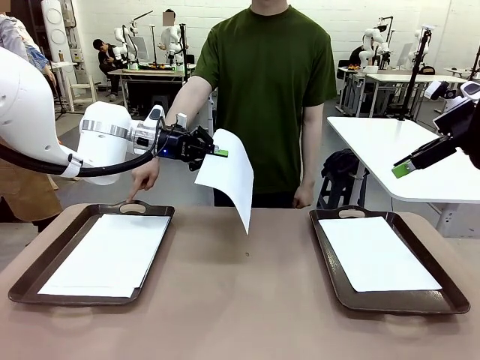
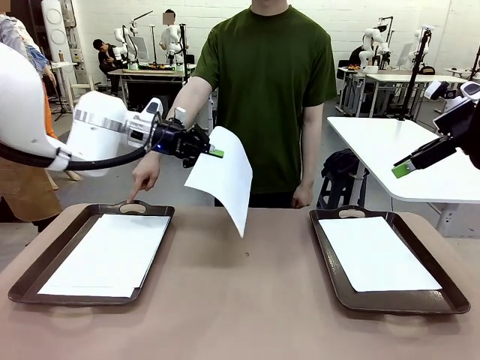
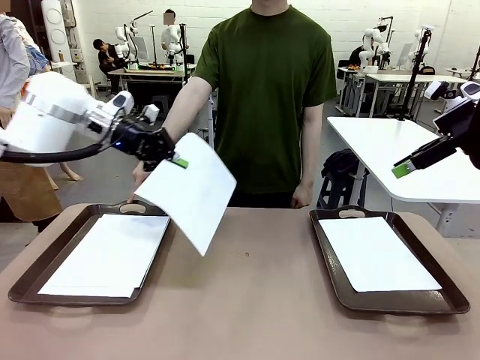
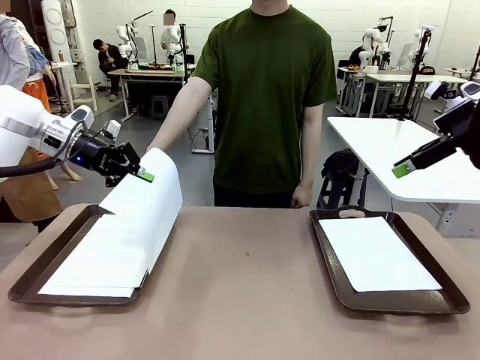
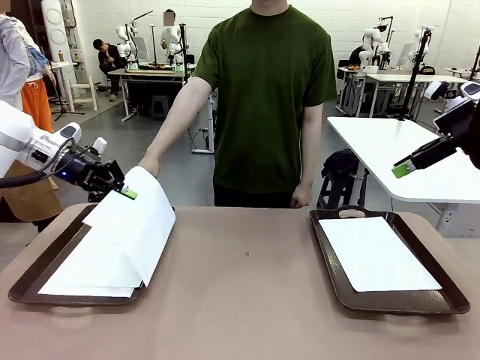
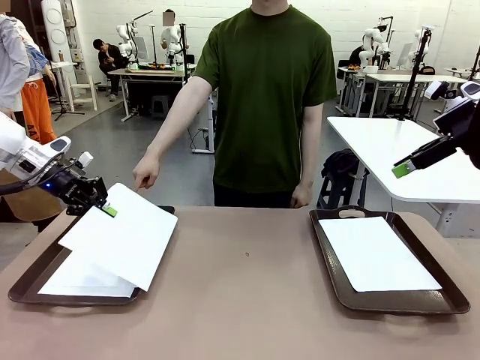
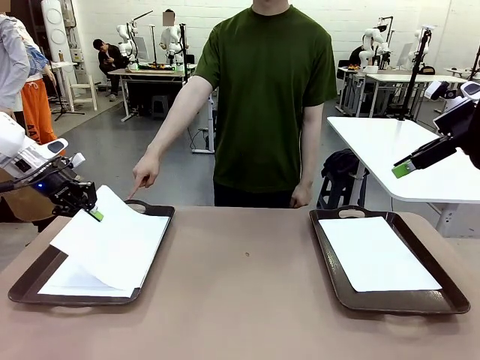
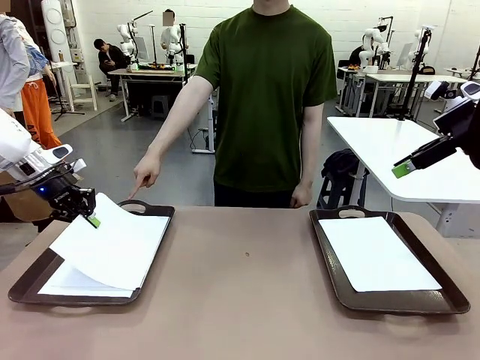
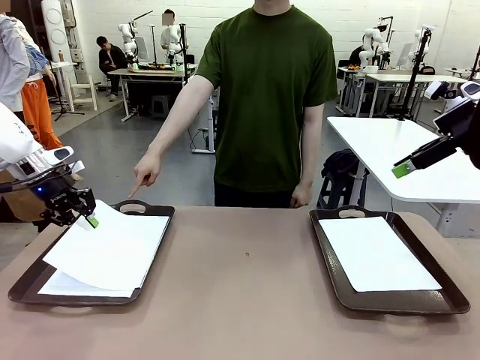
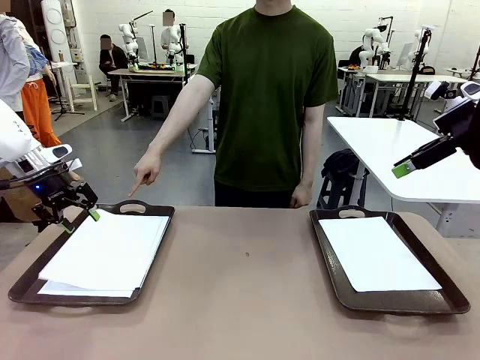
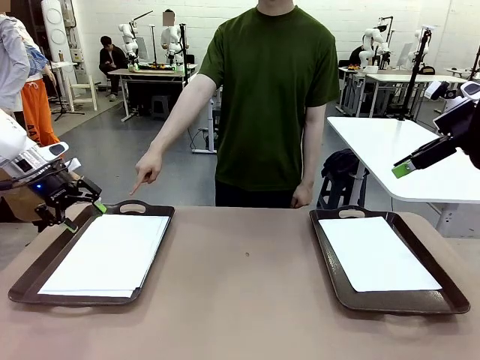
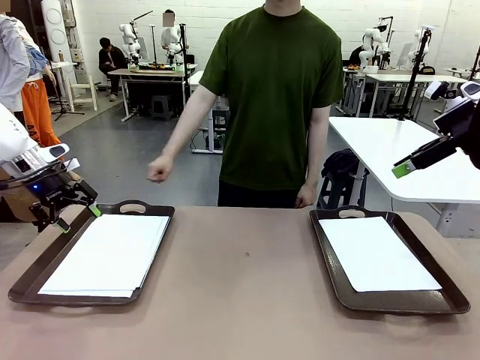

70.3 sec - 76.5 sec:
Task: Sort the A4 documents.
Robot: Place the A4 Paper in the designated Handle tray.

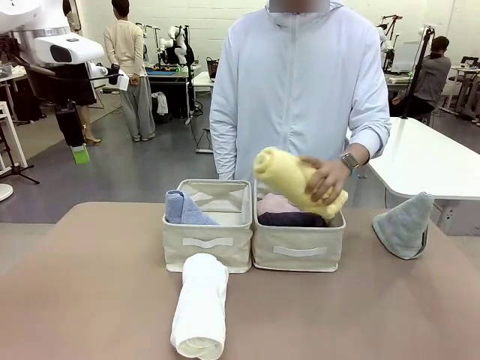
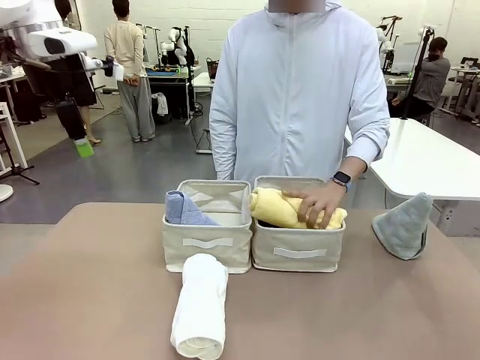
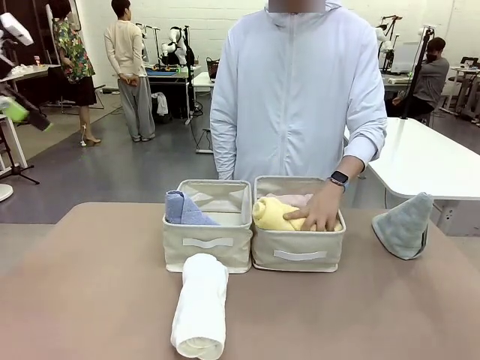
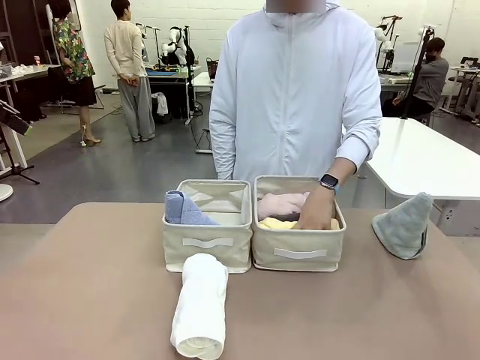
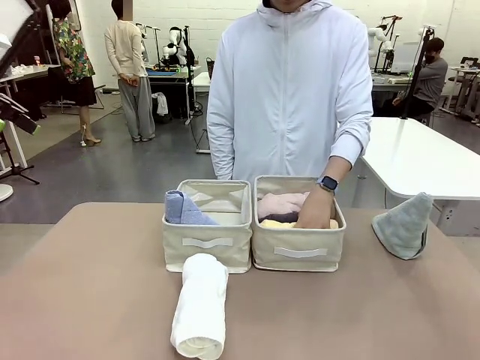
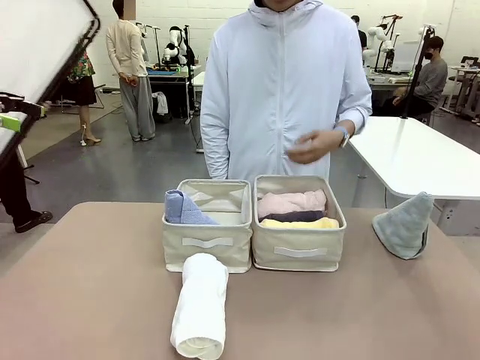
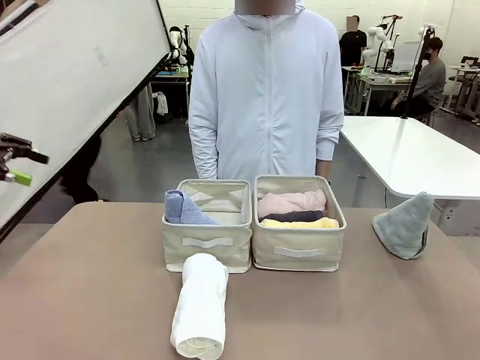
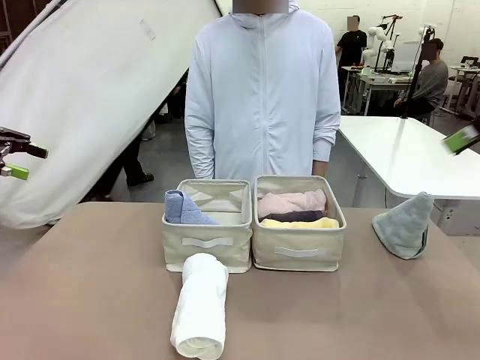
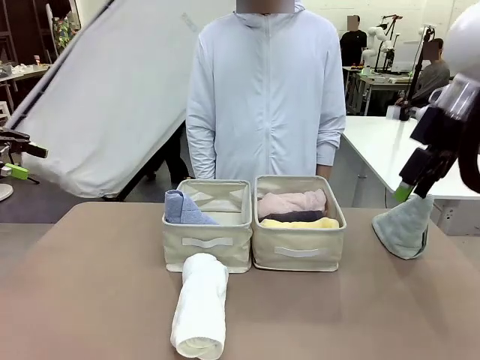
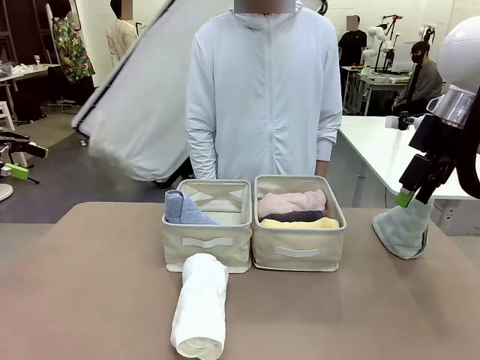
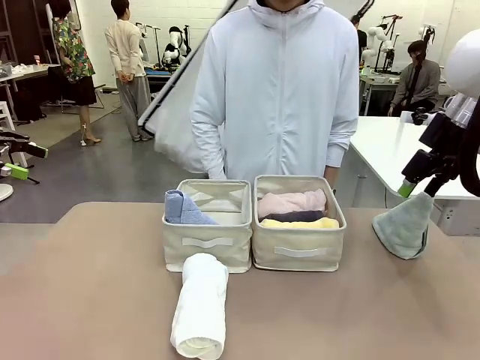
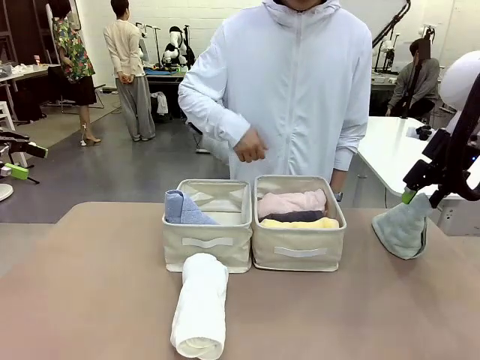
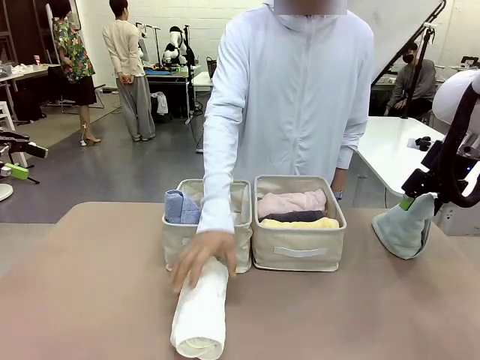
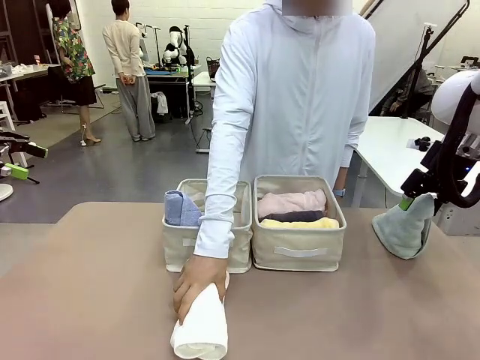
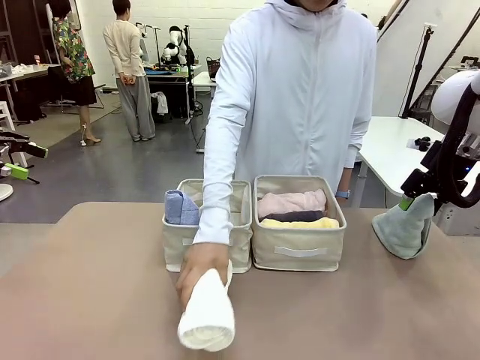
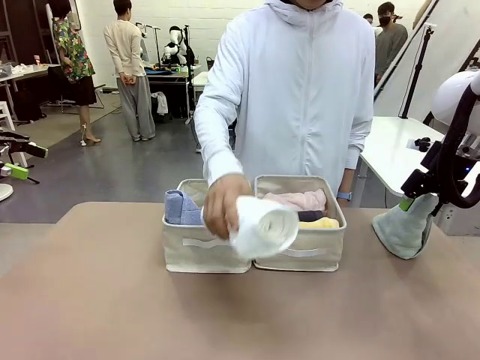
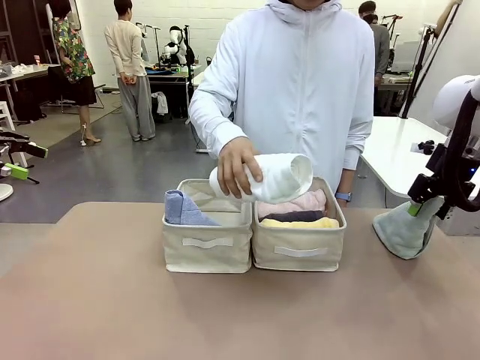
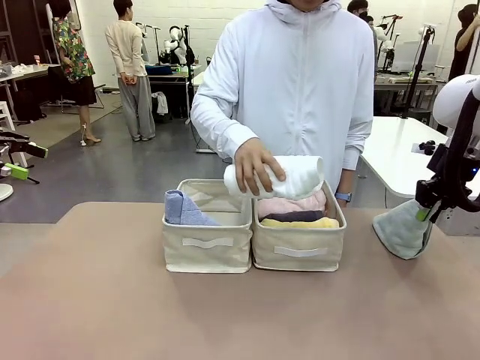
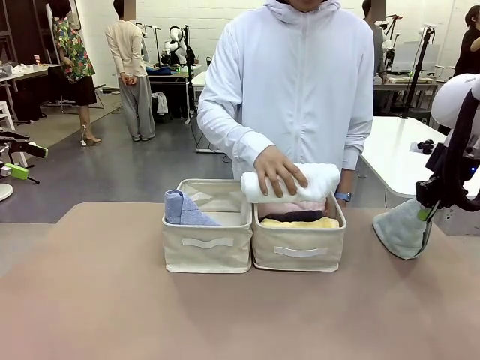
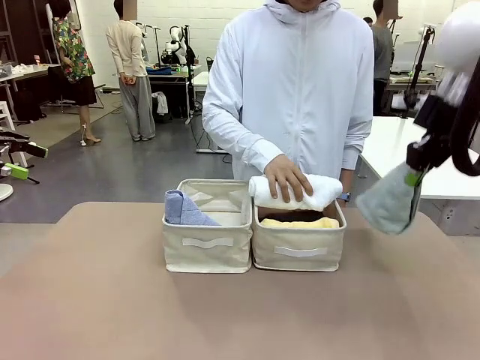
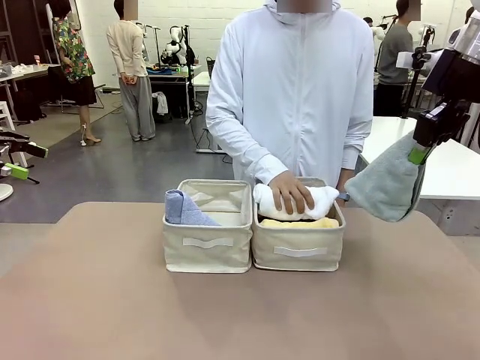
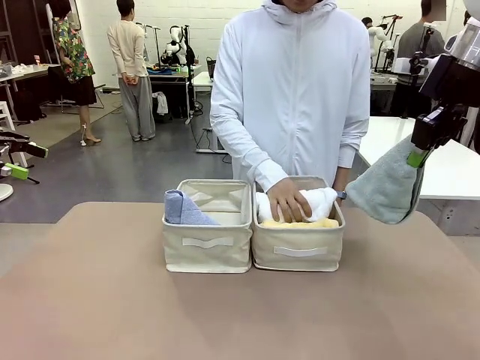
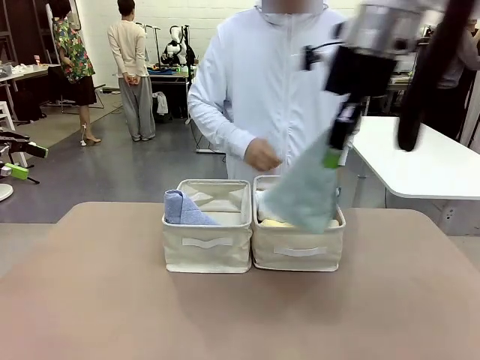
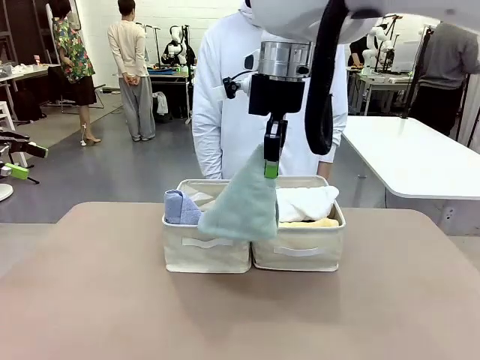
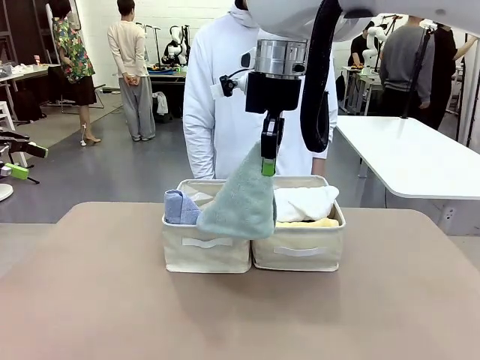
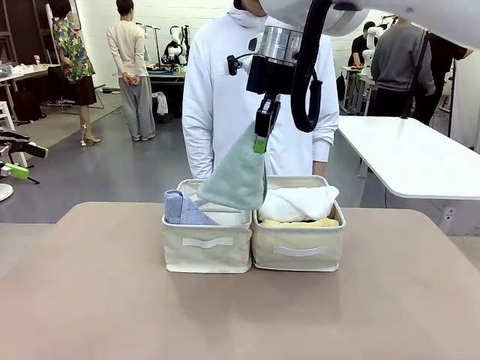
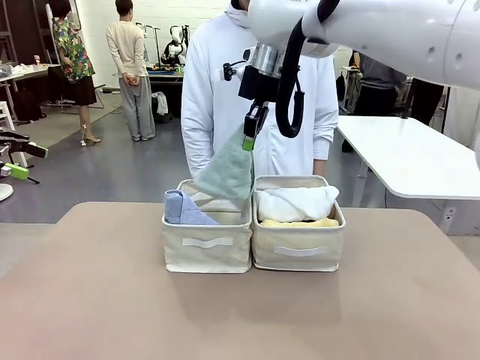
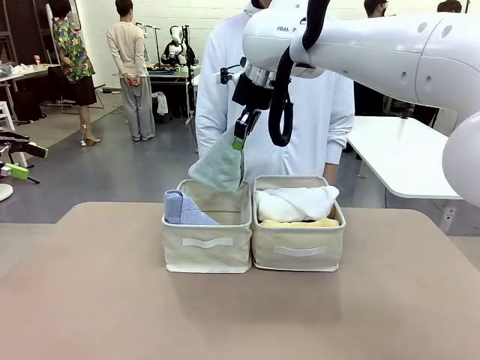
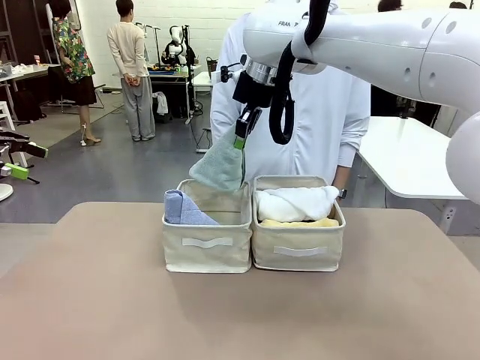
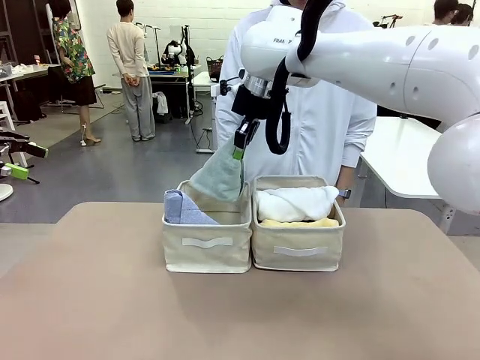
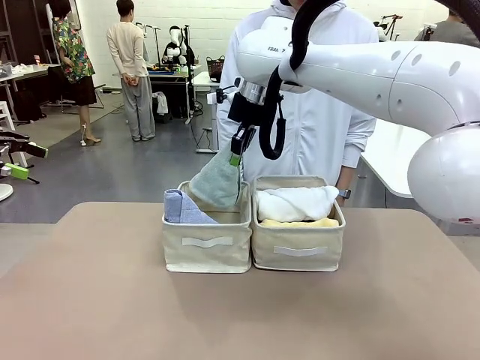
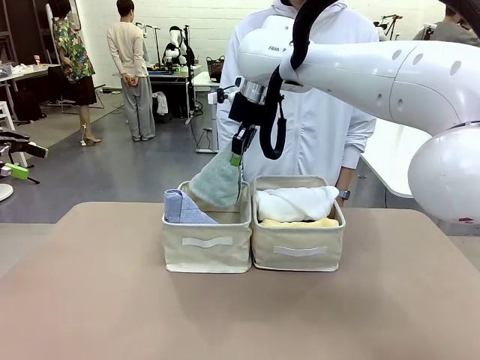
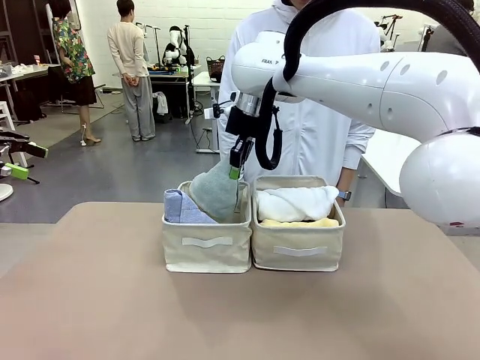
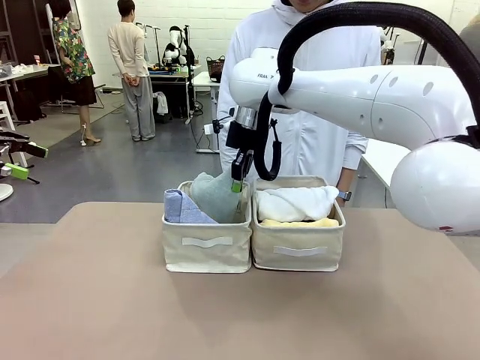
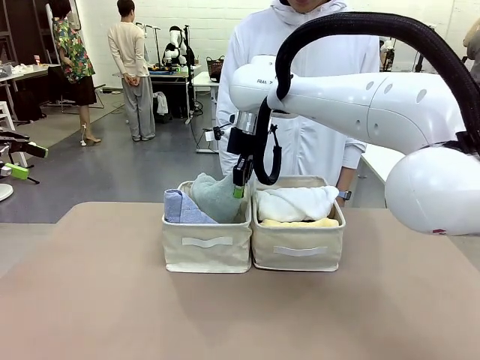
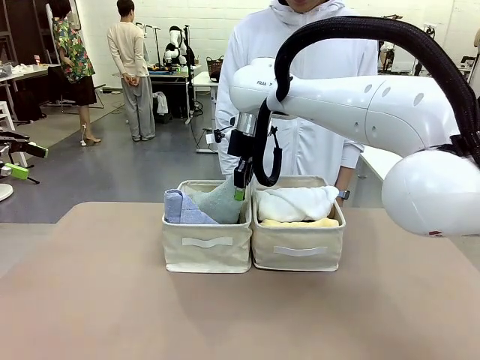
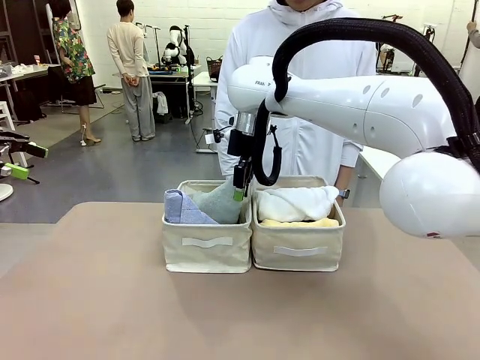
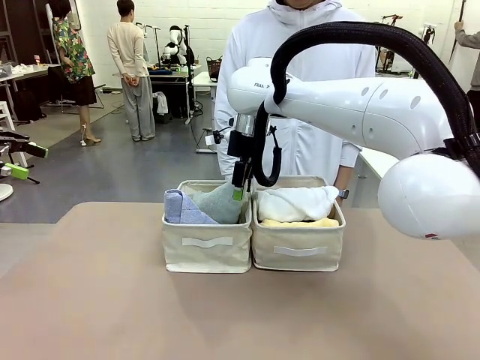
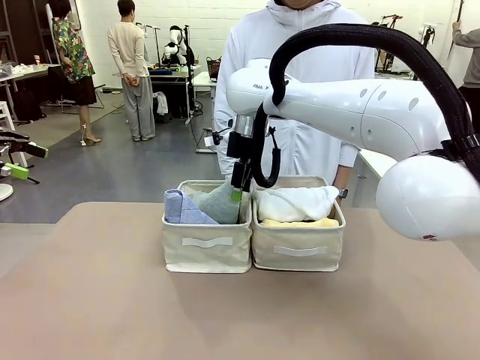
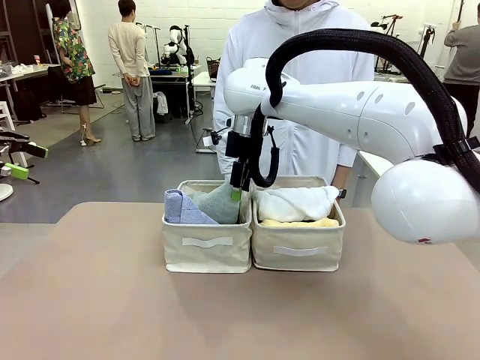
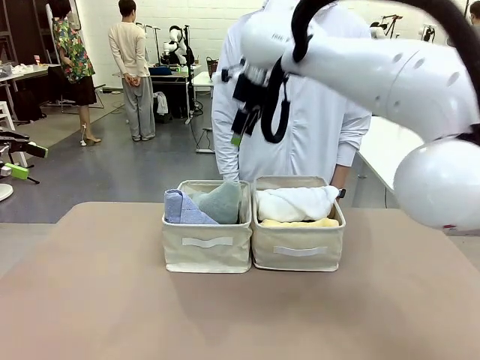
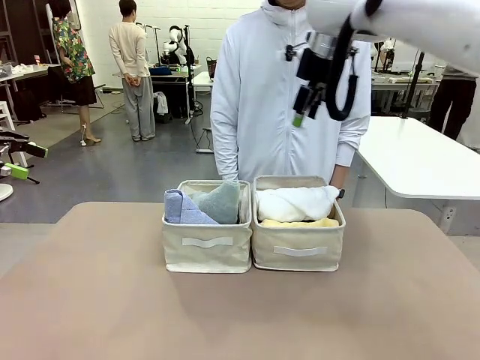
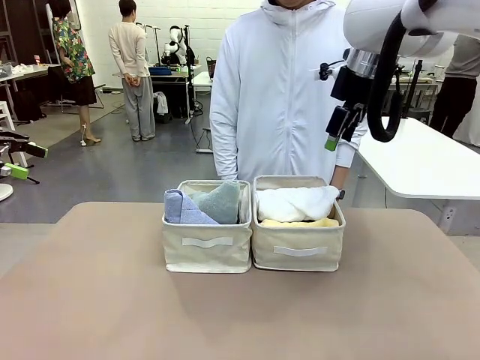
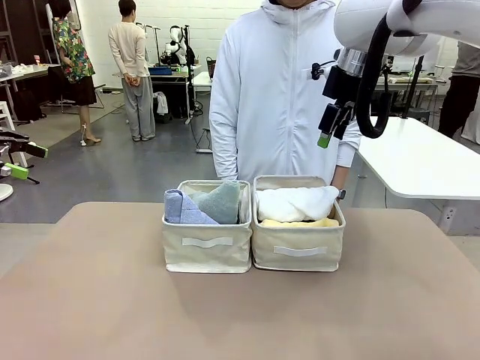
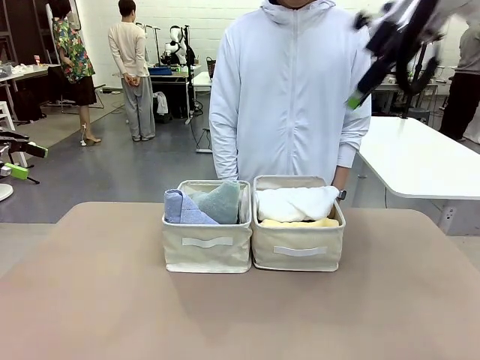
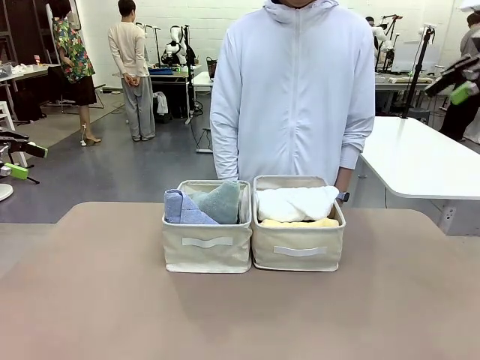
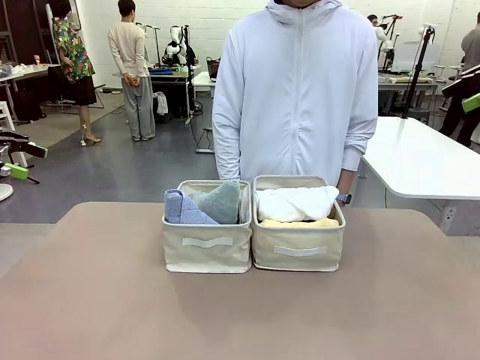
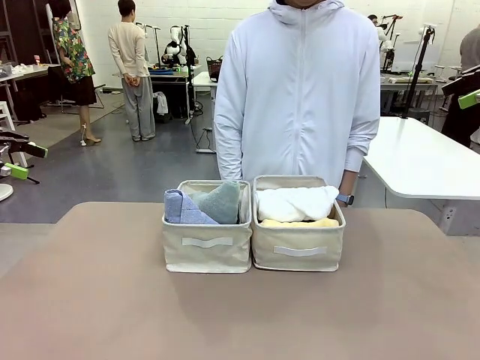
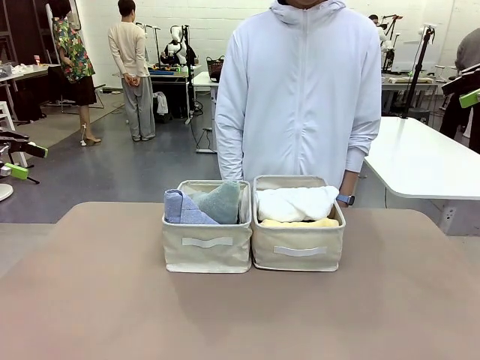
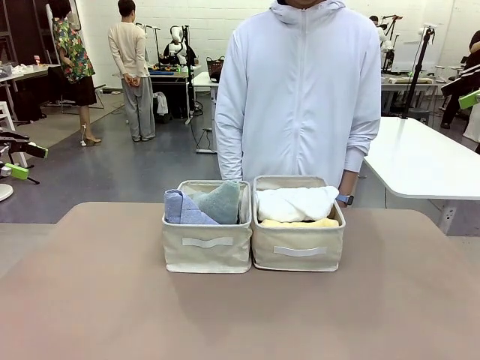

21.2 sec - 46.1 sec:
Task: Sort the towels based on their folding style.
Robot: Pick up another triangle-folded towel from the table and place it in the left Fabric basket.
Person: Pick up one hotel-style rolled towel from the table and place it in the left fabric basket.
